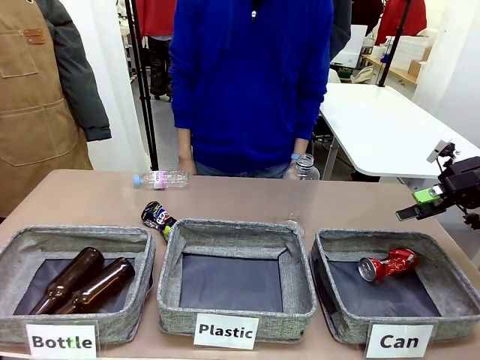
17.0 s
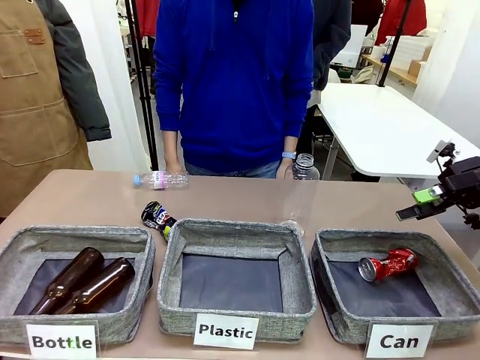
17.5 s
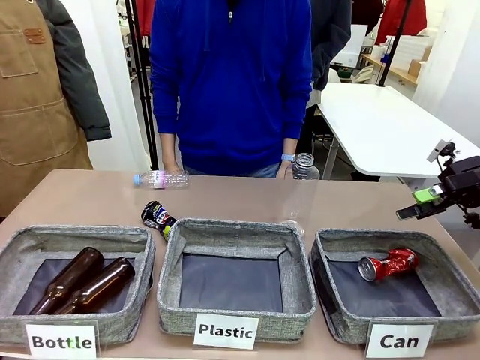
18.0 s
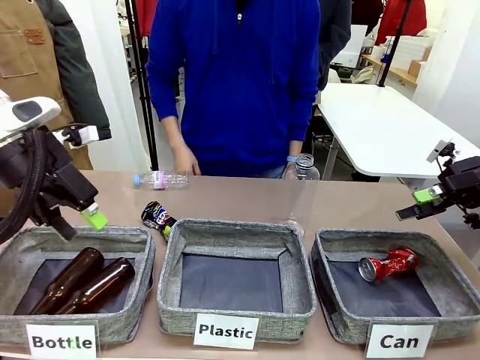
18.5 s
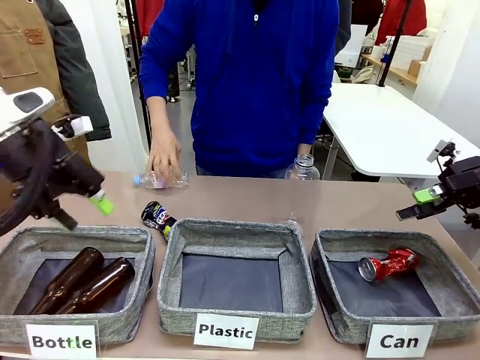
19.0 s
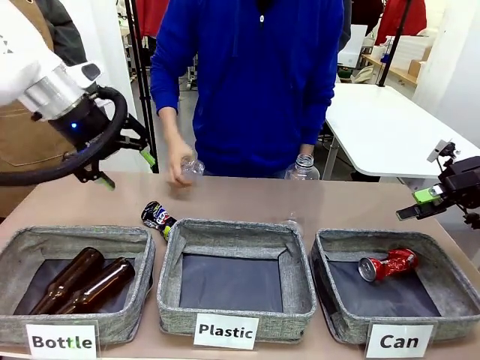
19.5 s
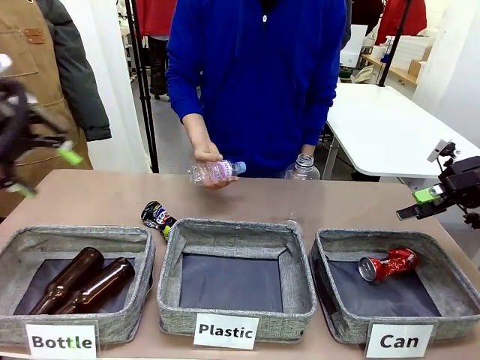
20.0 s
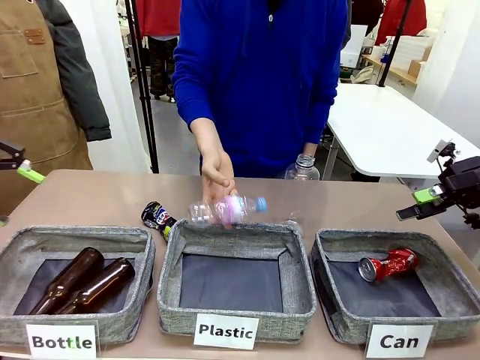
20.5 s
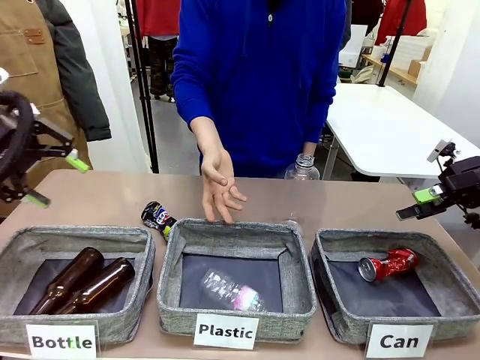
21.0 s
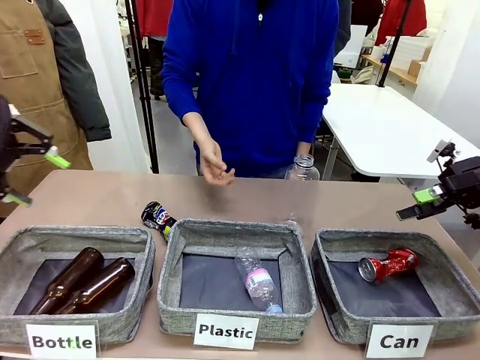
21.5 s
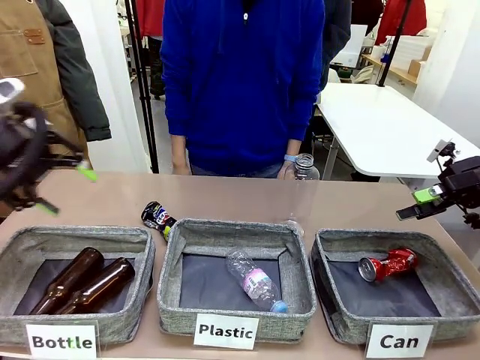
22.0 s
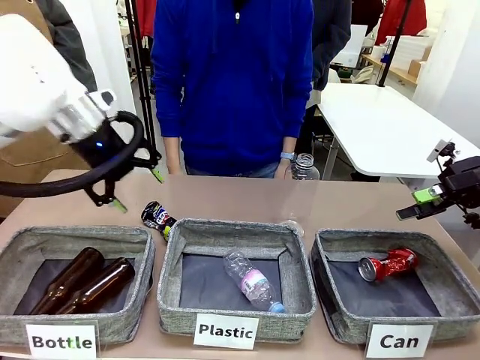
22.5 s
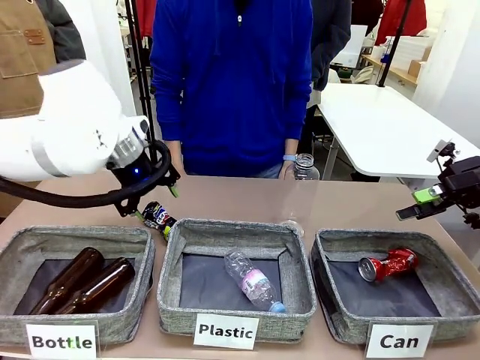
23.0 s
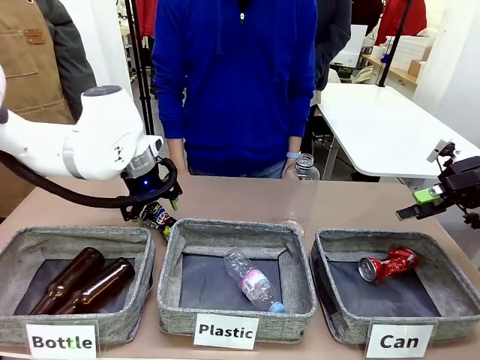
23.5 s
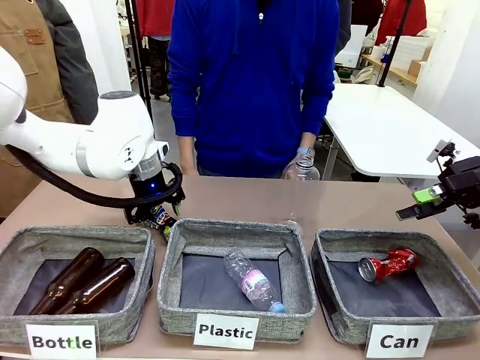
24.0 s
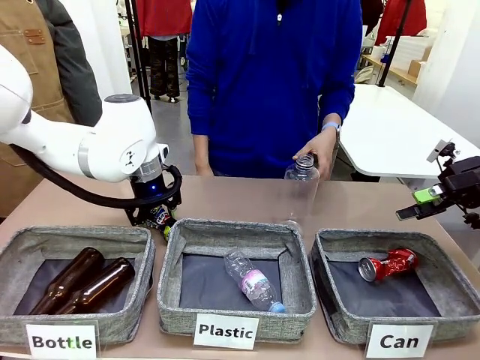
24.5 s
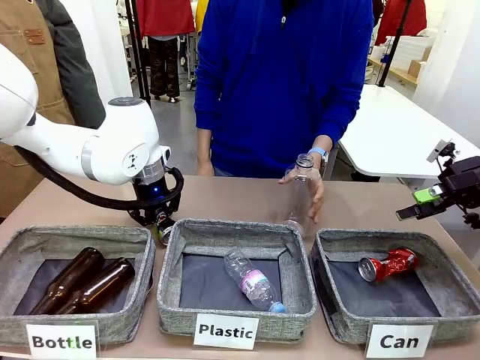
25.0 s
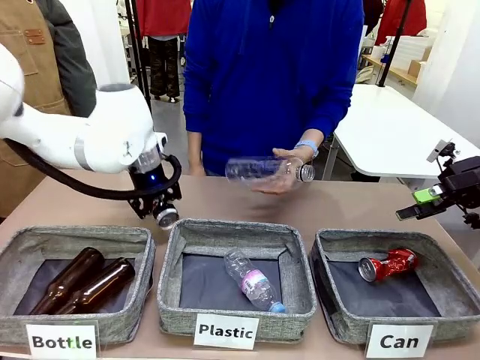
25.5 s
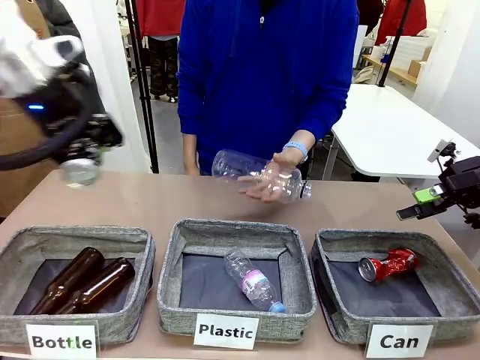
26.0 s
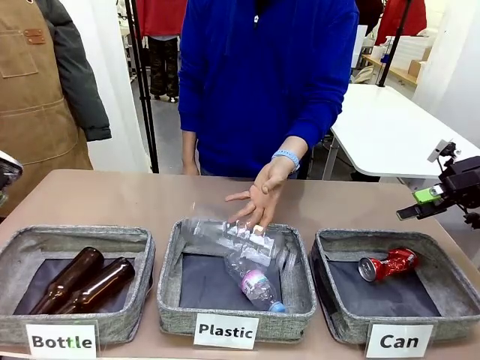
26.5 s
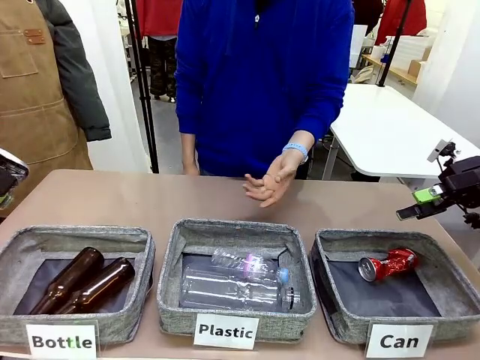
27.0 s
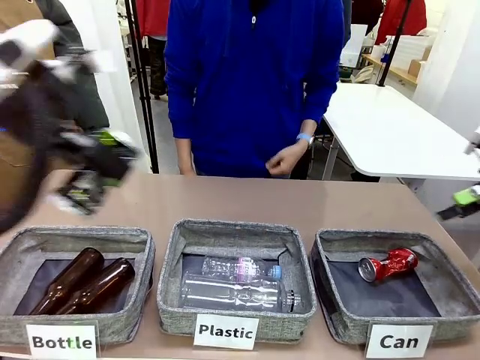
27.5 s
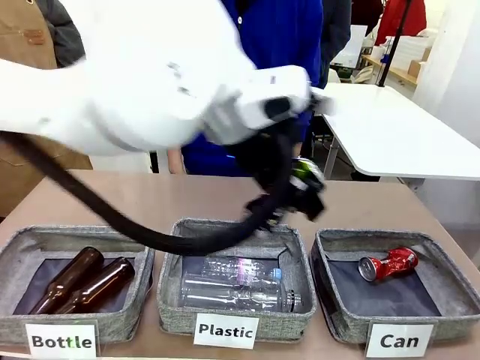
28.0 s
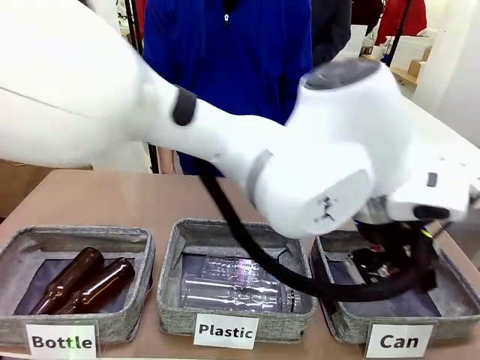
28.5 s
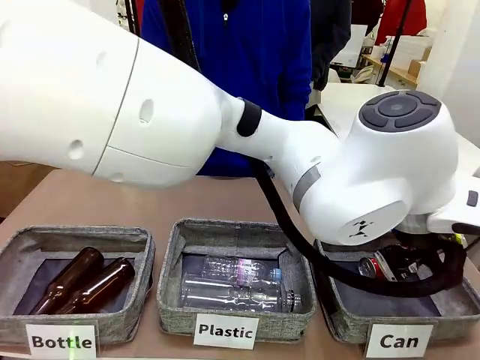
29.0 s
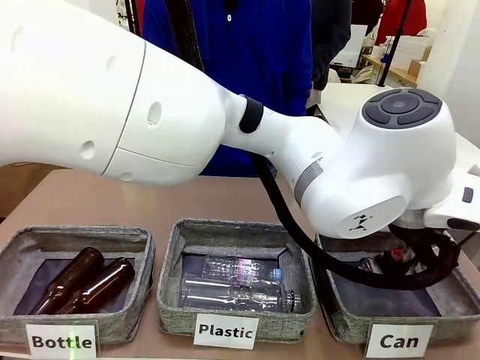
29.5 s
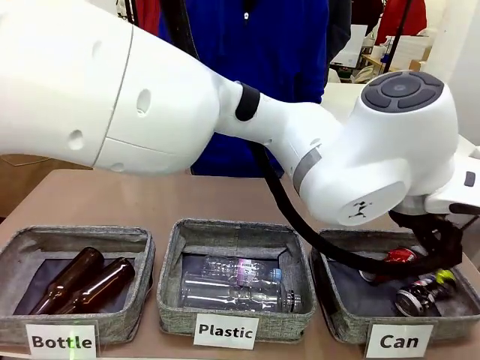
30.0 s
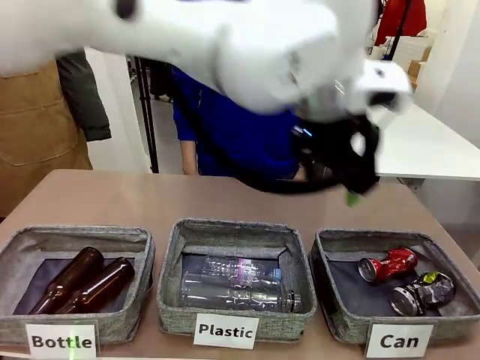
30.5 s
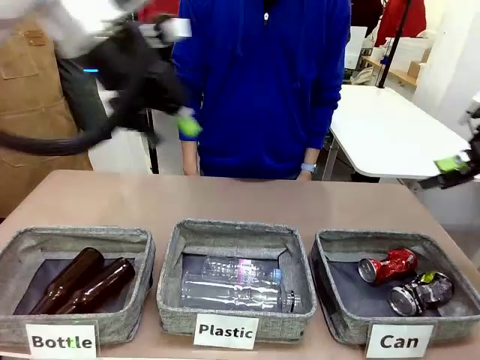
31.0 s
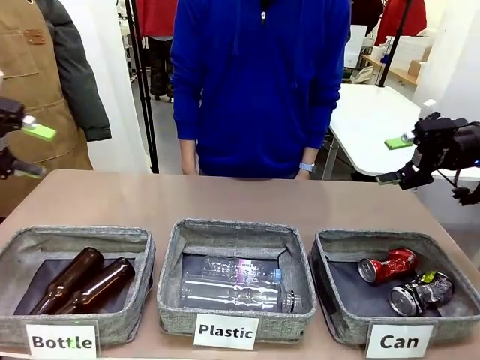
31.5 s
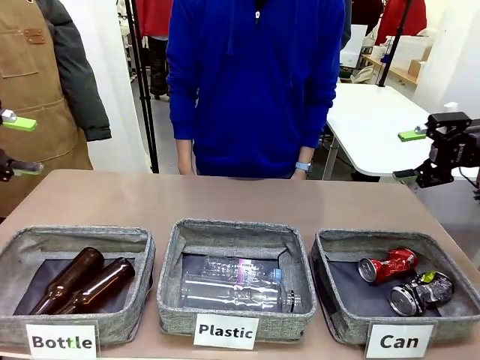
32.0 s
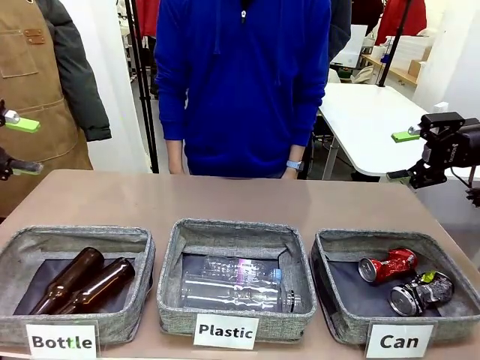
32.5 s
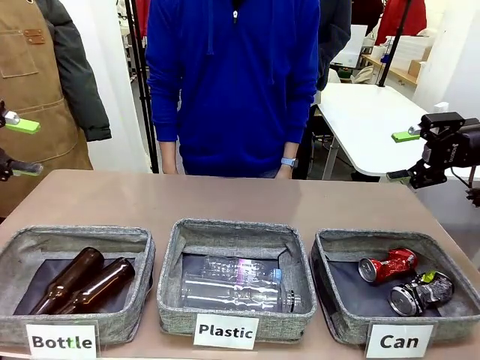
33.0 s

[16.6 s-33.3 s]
Task: Sort the can waste into the basket.
Robot: Pick up the can waste from the table and place it in the right Fabric basket.
Person: The human picks up one piece of trash that is not a can and places the trash into the appropriate organizing basket.

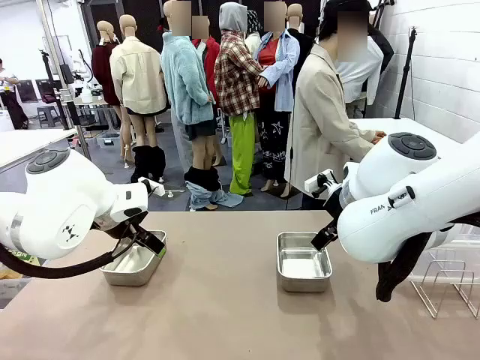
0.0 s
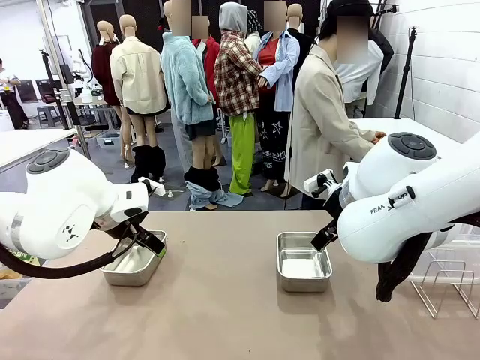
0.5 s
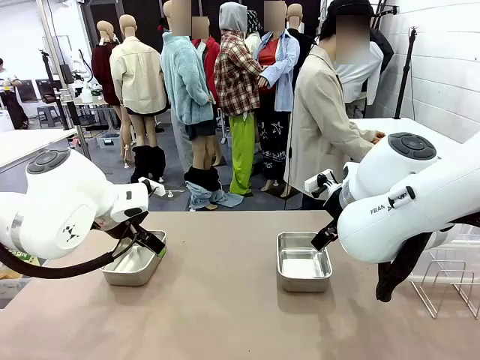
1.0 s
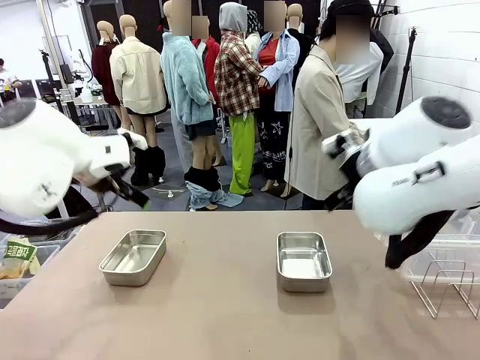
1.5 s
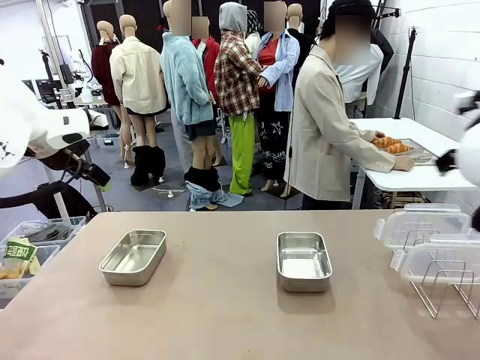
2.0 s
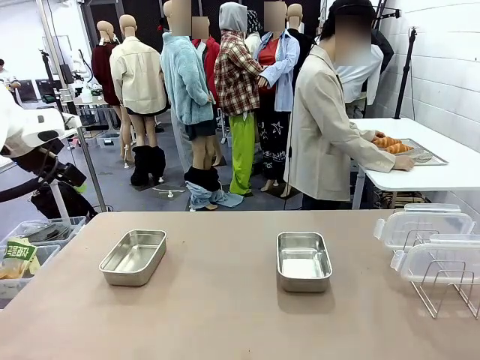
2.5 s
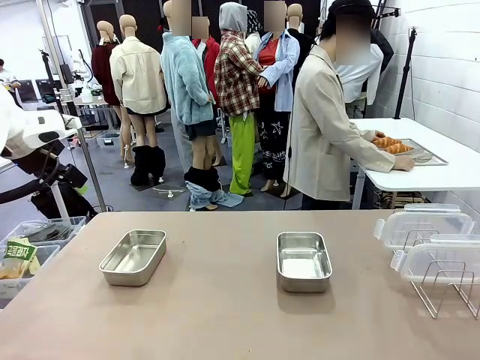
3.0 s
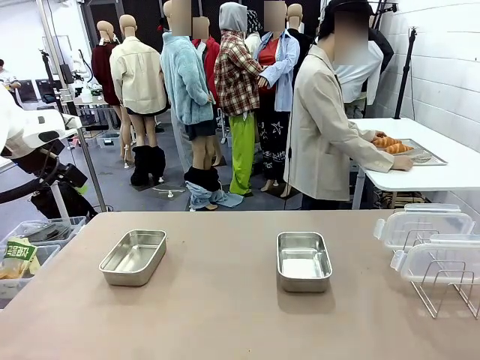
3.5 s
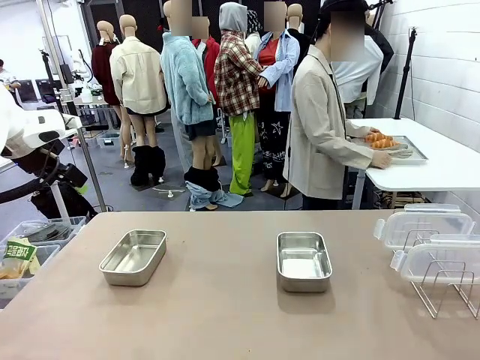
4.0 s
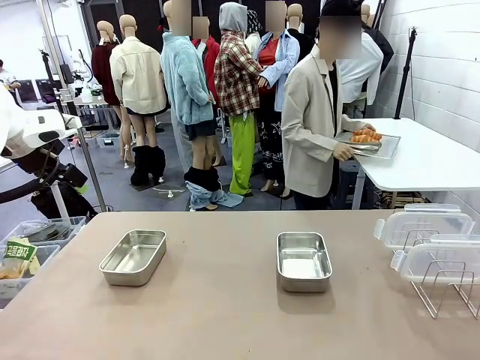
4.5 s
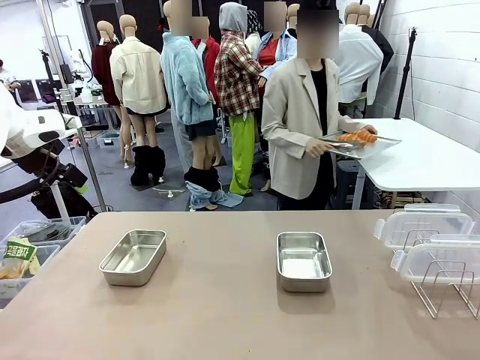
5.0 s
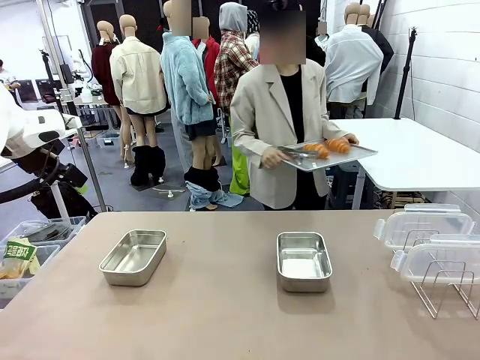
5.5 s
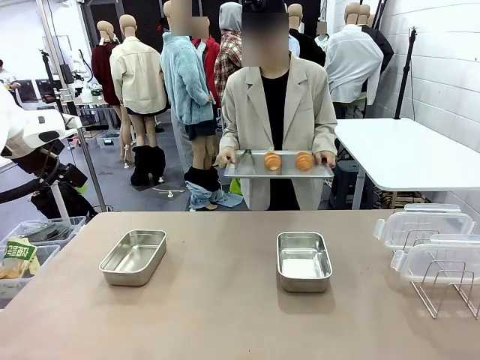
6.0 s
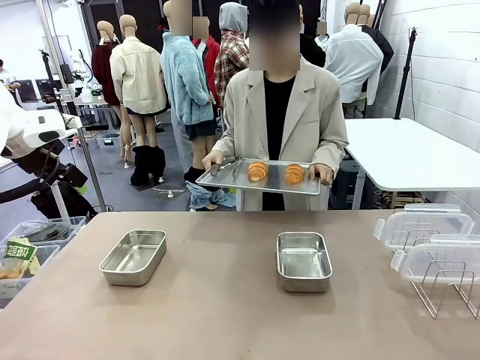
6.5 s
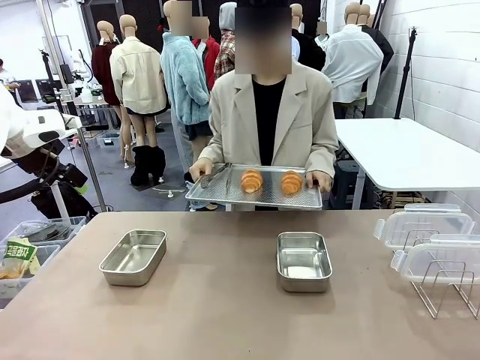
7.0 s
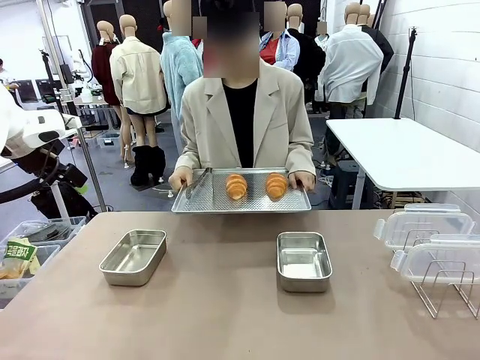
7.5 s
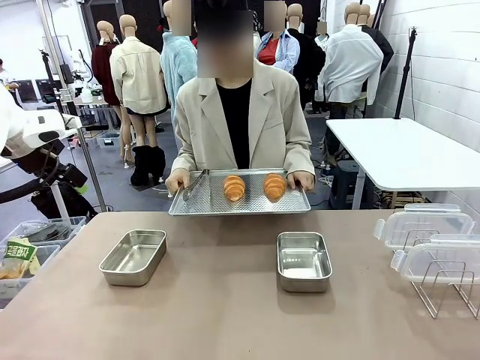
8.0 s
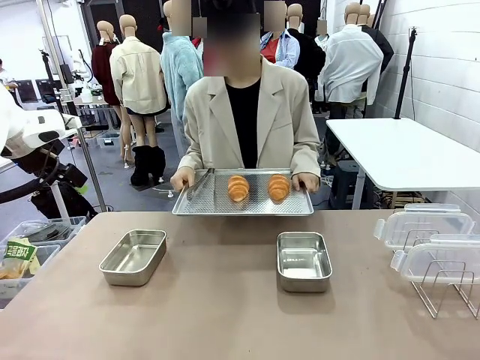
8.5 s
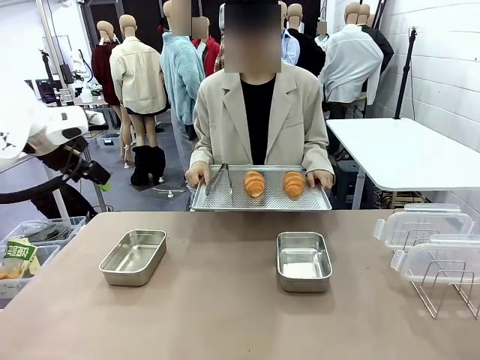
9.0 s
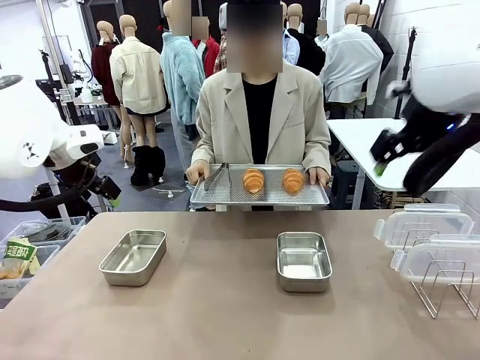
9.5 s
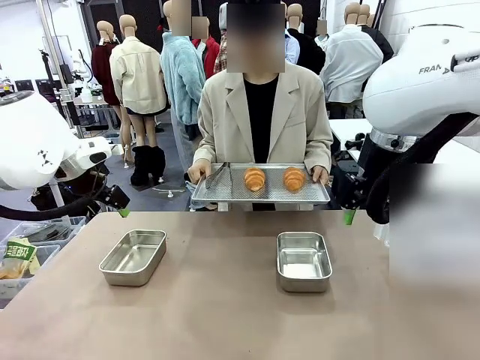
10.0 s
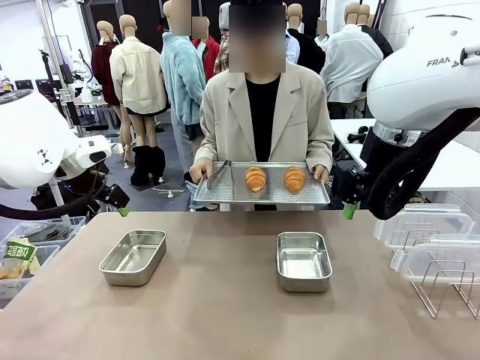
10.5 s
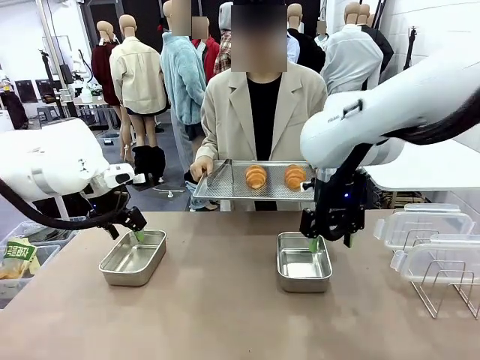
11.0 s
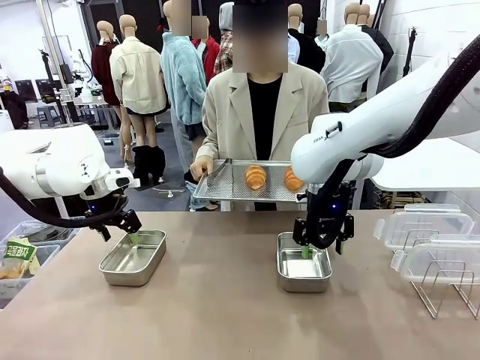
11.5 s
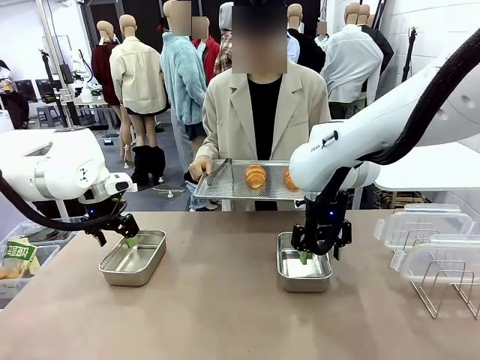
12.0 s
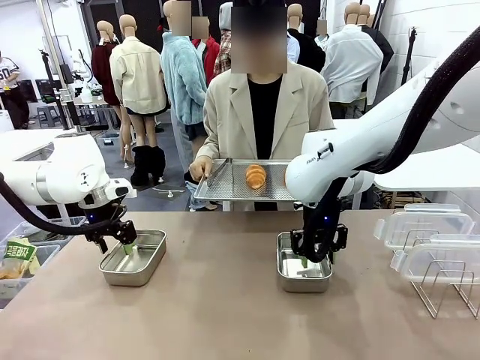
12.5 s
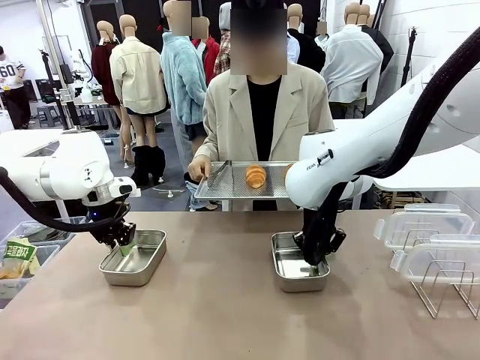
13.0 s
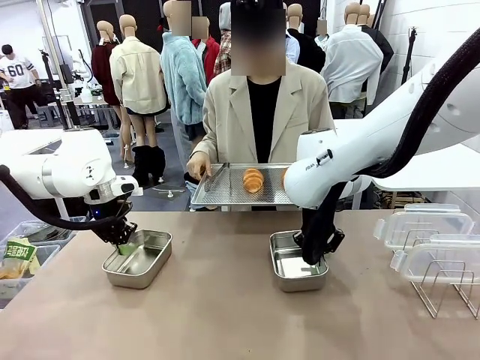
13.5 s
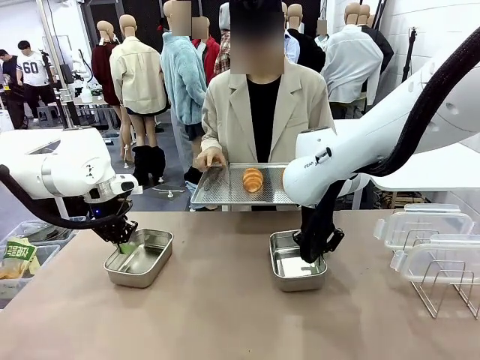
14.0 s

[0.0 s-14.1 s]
Task: Place the bread in airtight containers.
Robot: Lift both Airtight Container.
Person: Bring the Baking Sheet in front of Robot's Table.
